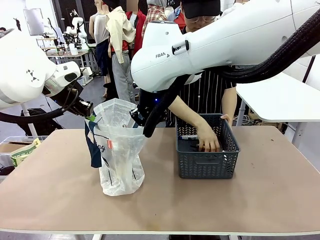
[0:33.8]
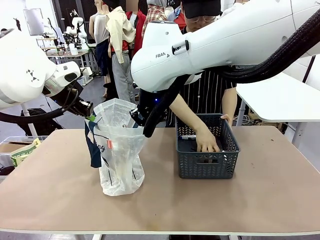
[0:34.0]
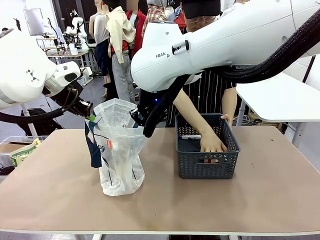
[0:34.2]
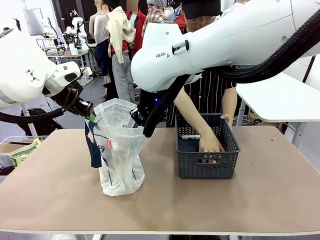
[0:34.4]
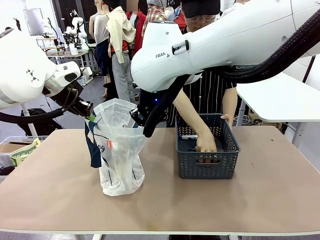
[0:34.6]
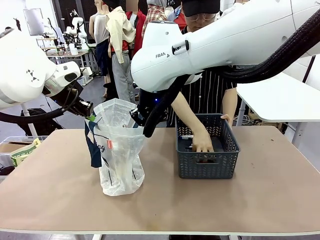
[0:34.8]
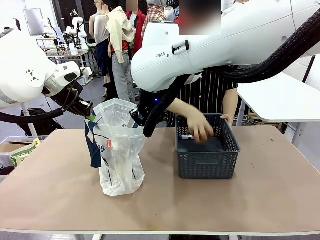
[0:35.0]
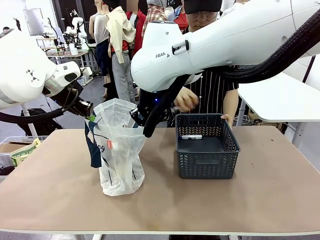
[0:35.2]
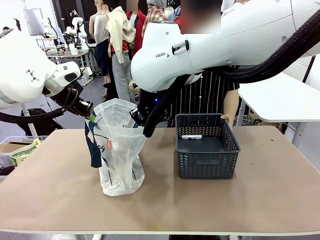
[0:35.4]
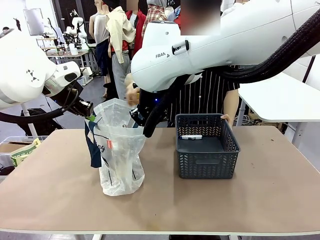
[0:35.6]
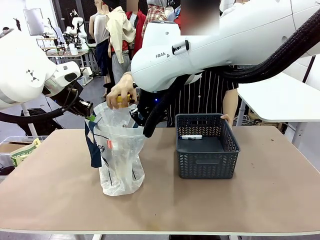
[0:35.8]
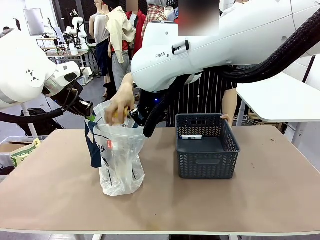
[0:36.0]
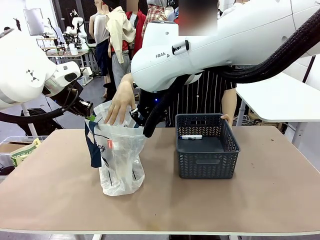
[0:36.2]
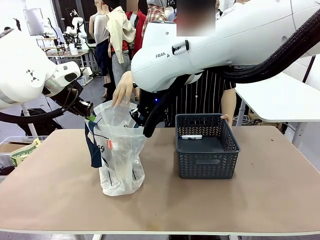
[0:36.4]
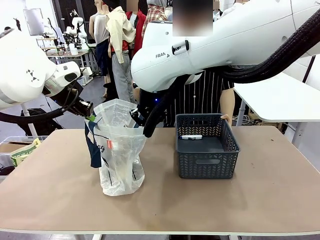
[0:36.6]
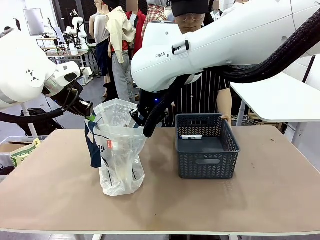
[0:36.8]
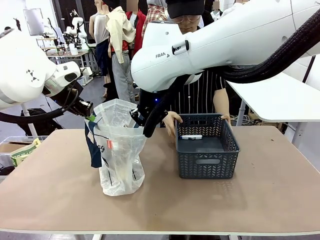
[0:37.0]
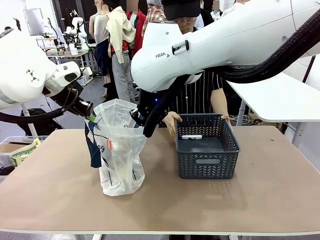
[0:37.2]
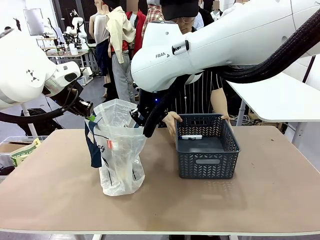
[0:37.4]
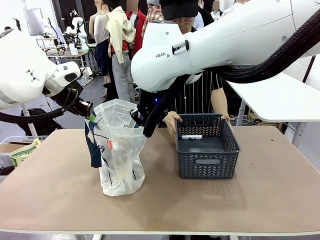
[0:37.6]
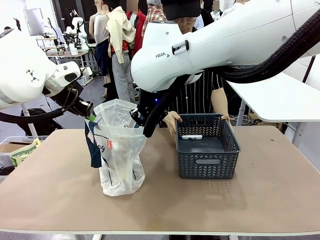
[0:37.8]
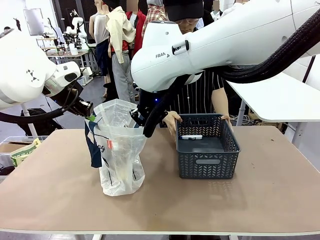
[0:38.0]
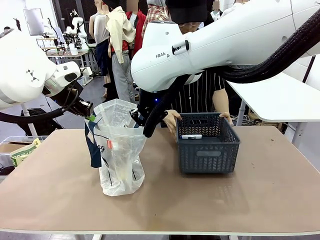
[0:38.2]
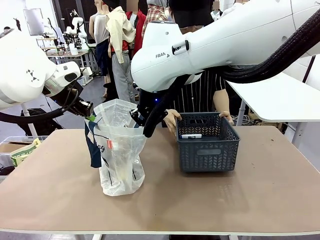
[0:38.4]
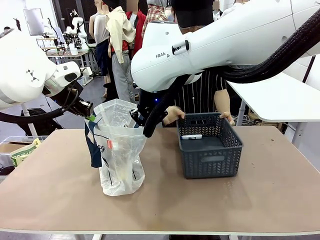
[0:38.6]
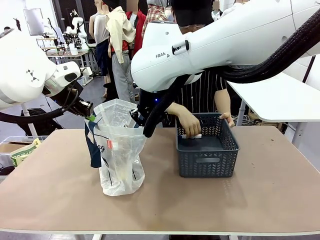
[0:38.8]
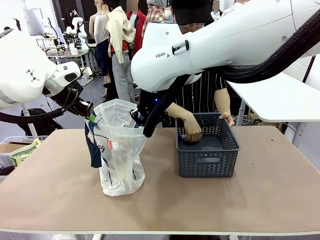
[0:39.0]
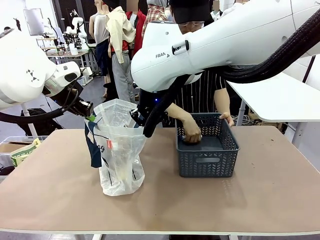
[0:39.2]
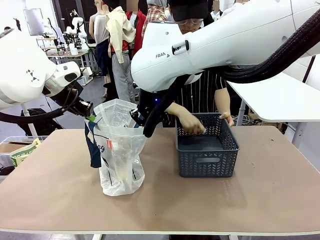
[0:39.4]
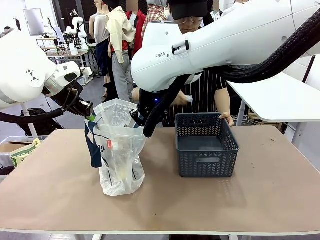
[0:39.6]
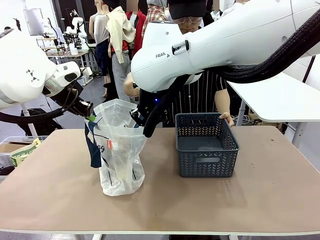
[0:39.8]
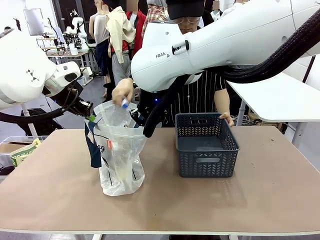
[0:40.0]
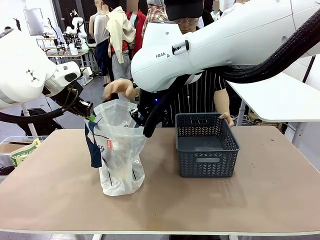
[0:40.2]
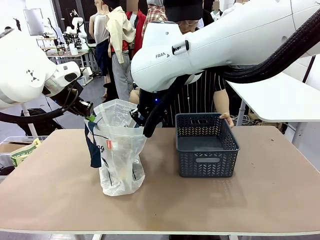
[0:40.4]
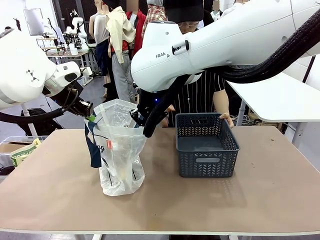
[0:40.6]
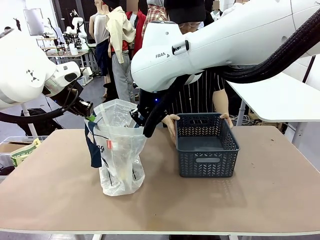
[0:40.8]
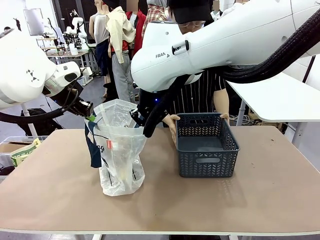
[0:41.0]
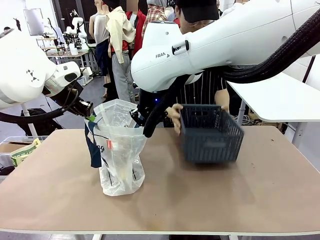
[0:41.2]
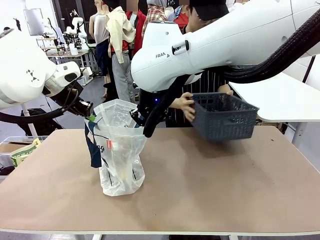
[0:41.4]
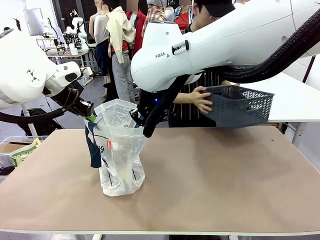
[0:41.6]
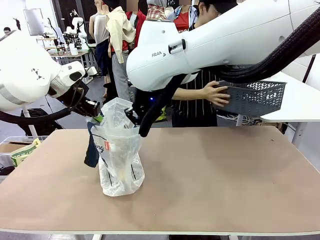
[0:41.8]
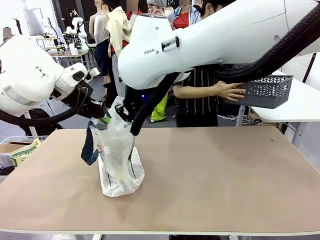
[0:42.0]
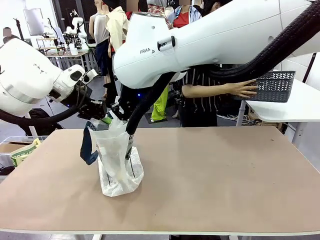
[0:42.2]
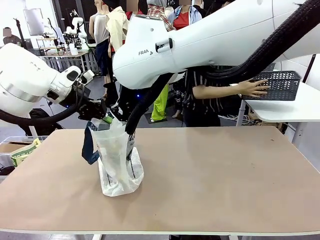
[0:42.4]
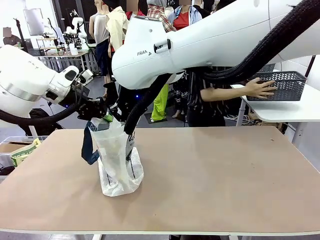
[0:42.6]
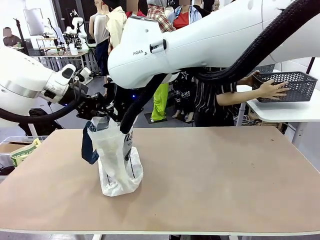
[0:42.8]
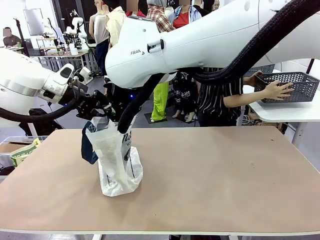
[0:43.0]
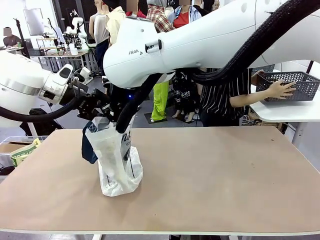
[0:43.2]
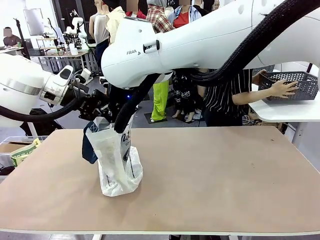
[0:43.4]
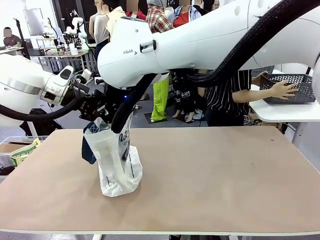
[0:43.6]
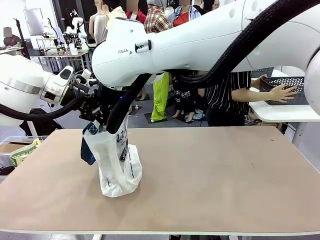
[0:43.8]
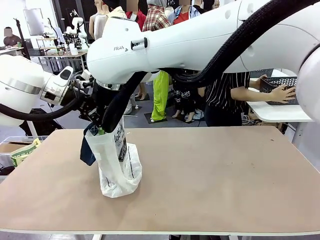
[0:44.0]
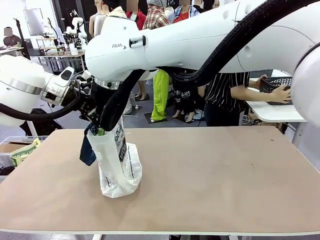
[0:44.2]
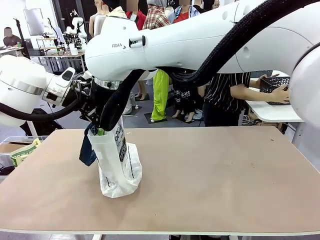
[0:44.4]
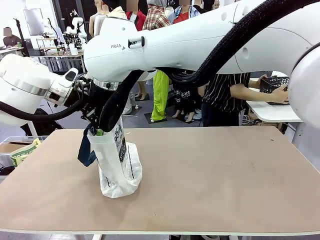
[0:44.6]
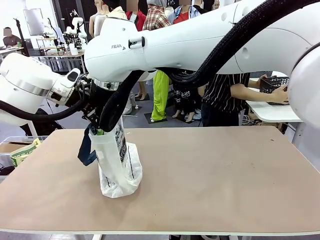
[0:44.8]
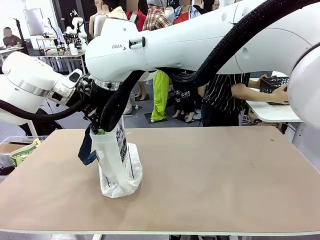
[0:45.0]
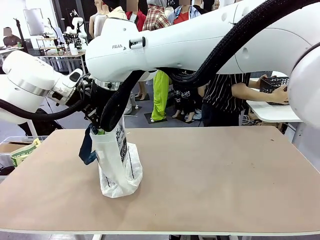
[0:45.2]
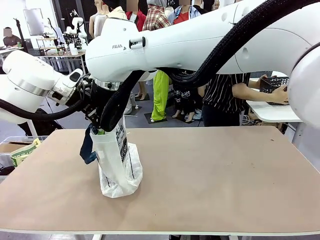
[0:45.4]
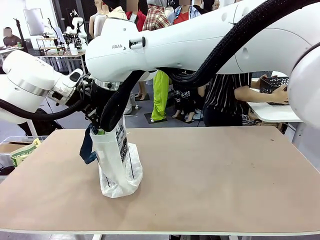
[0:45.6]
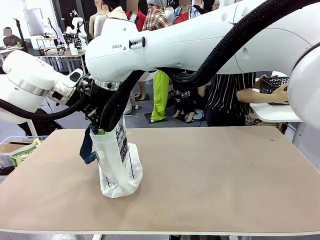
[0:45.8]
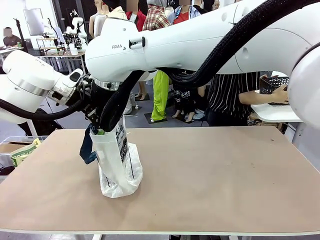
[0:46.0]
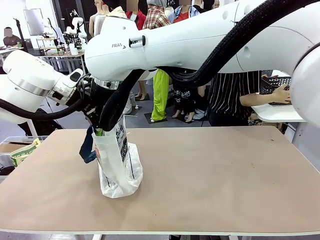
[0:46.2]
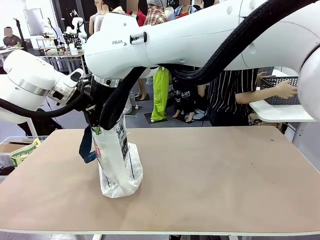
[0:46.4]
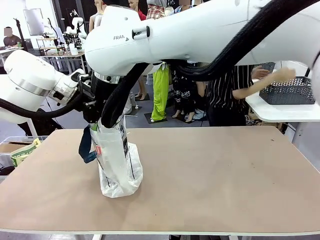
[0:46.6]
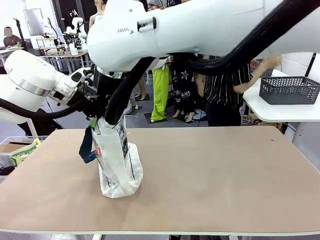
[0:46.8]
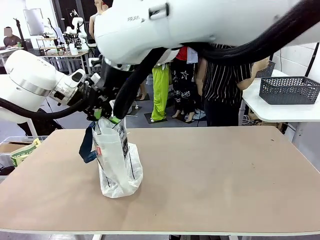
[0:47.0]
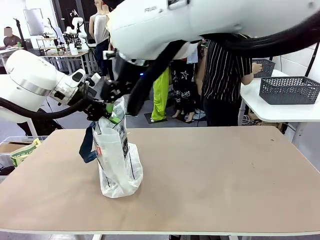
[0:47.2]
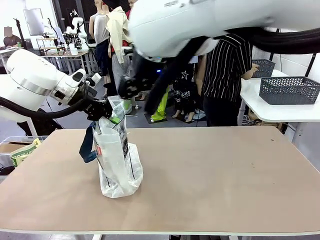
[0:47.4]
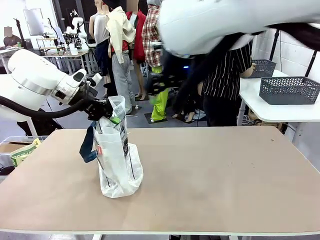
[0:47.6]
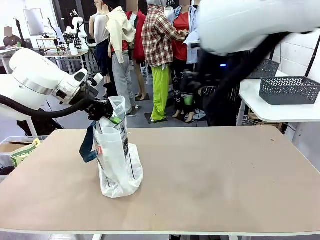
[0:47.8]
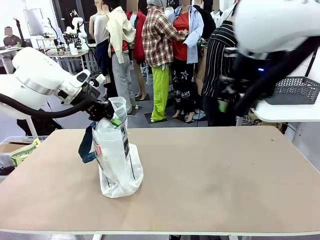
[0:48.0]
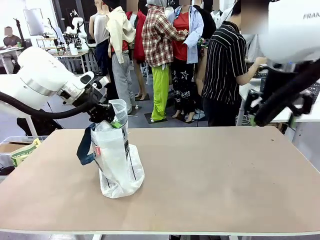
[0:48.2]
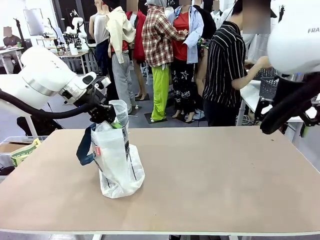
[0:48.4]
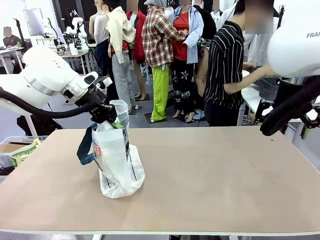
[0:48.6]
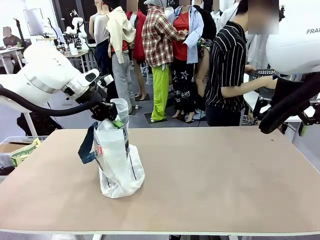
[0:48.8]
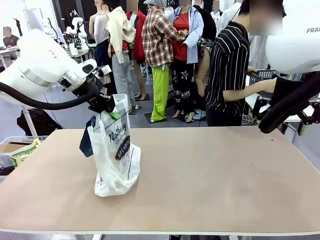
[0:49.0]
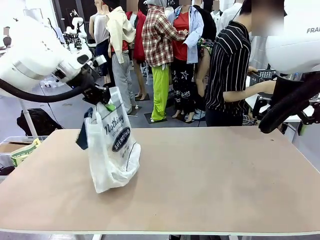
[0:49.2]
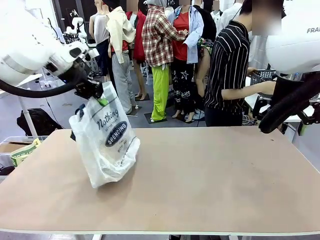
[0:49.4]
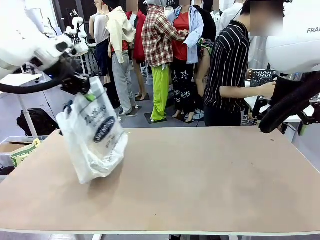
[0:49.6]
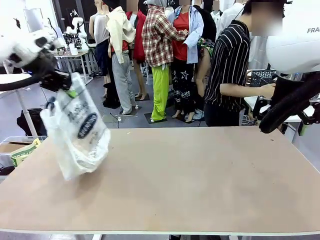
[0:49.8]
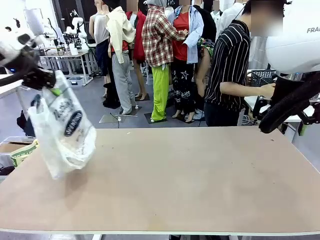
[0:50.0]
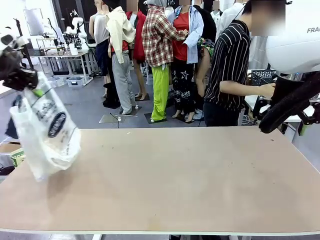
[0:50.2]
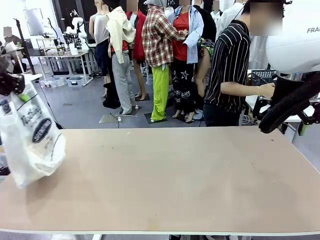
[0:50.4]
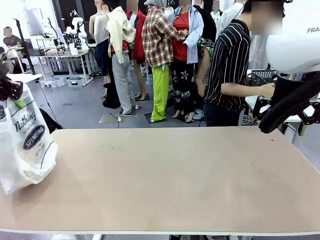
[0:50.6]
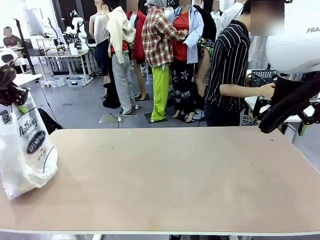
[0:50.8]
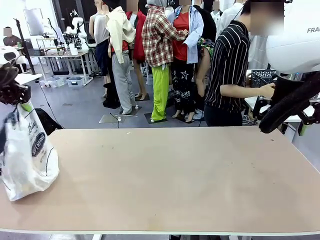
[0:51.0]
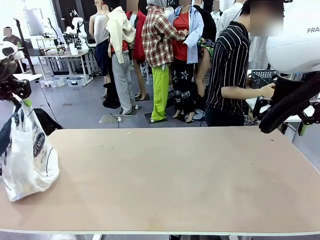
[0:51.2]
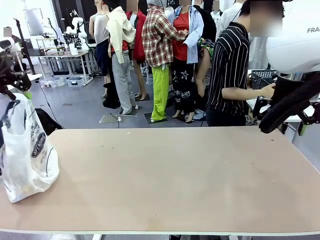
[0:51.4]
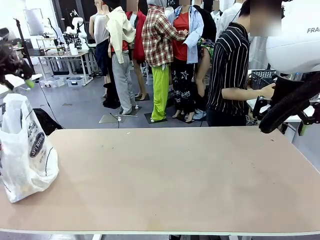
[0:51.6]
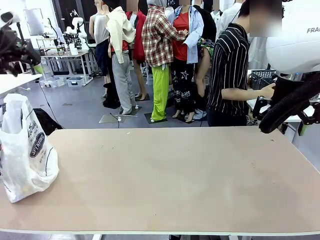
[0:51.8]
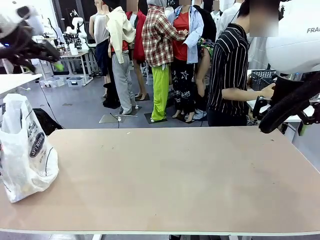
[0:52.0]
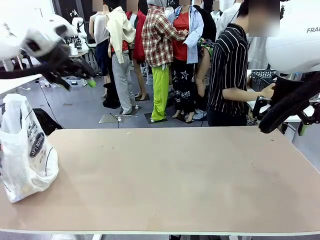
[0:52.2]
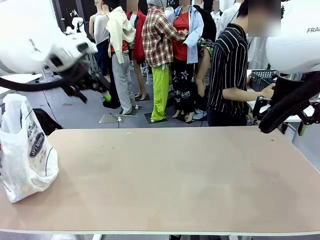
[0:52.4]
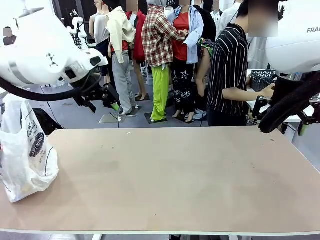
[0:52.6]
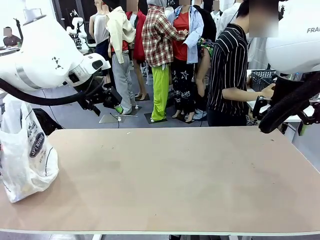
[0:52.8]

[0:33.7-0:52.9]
Task: Transfer purchased items from the store into the shopping bag.
Robot: Move the Reusable shopping bag to the right side of the table.
Person: Move the basket on the left to the middle of the person's table.
